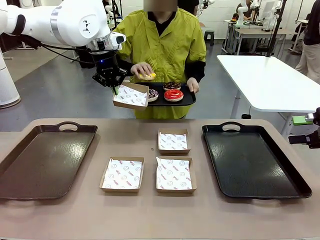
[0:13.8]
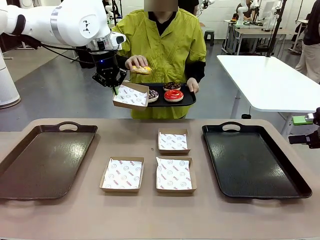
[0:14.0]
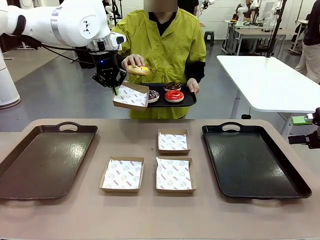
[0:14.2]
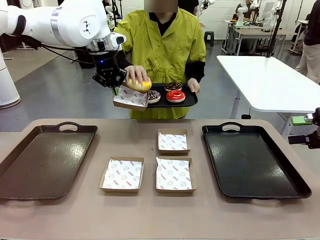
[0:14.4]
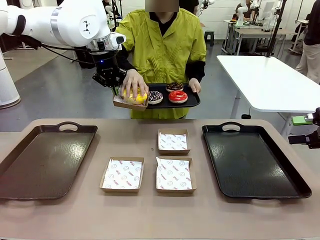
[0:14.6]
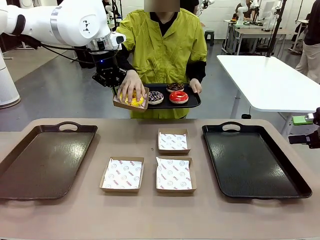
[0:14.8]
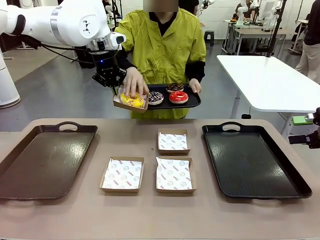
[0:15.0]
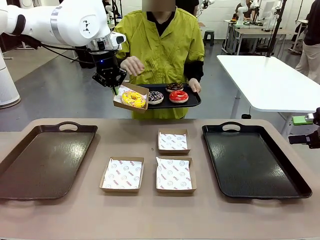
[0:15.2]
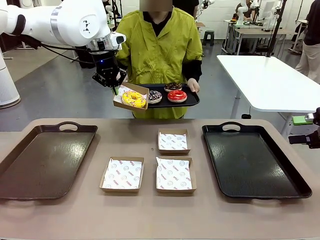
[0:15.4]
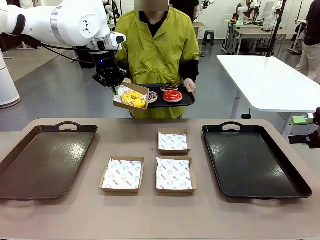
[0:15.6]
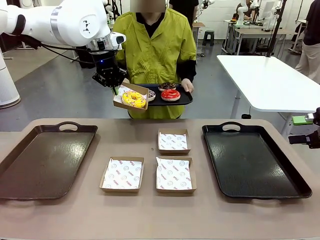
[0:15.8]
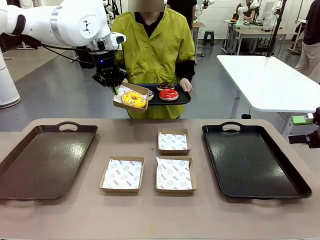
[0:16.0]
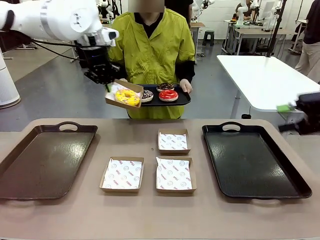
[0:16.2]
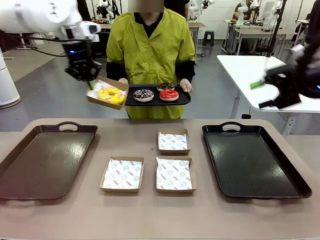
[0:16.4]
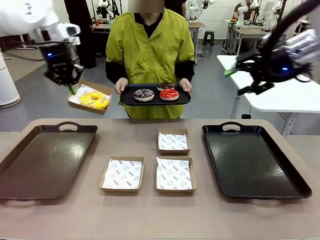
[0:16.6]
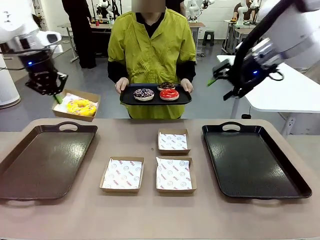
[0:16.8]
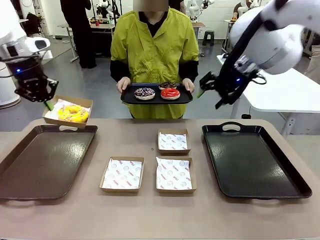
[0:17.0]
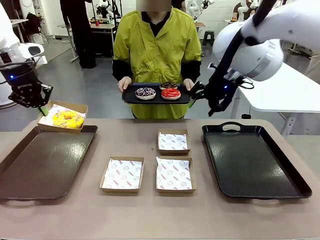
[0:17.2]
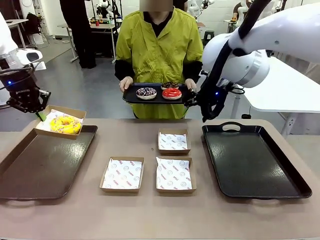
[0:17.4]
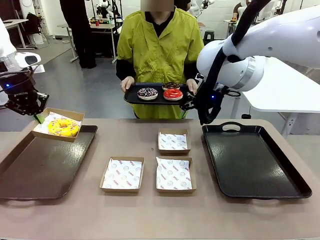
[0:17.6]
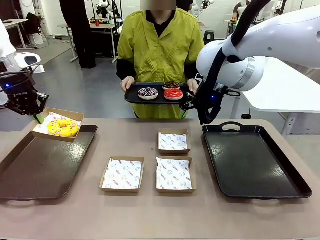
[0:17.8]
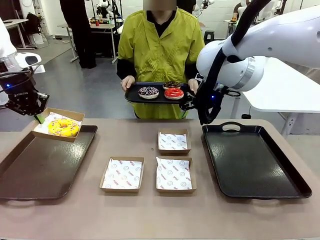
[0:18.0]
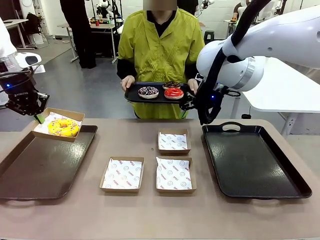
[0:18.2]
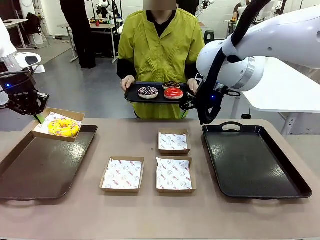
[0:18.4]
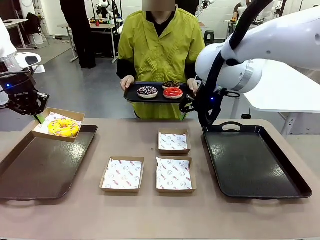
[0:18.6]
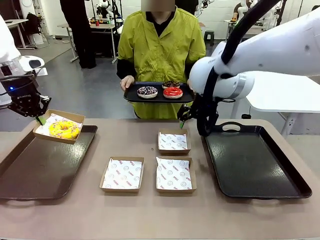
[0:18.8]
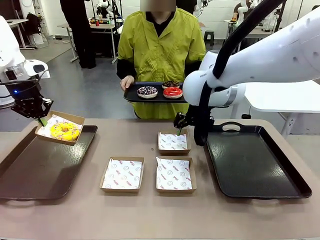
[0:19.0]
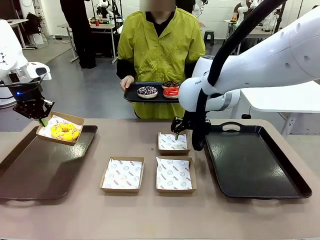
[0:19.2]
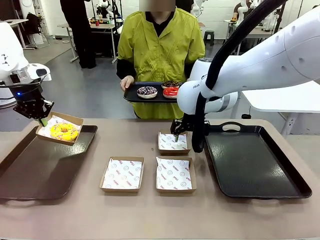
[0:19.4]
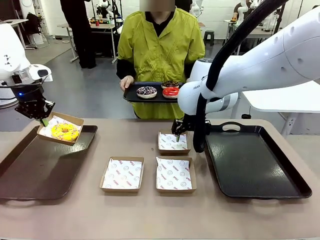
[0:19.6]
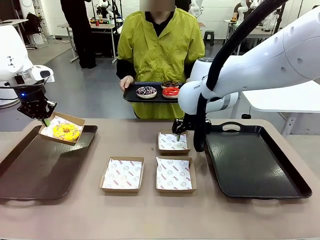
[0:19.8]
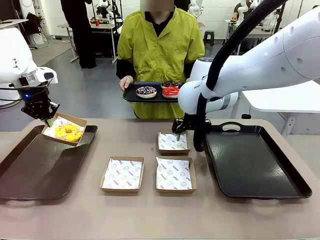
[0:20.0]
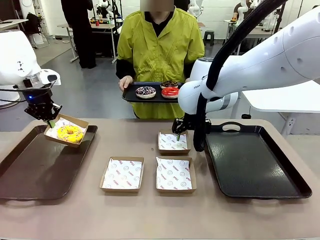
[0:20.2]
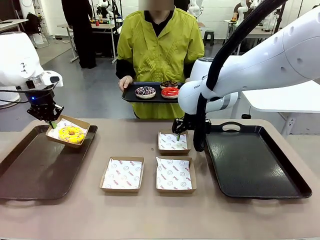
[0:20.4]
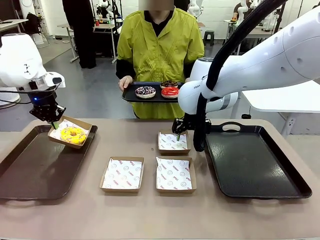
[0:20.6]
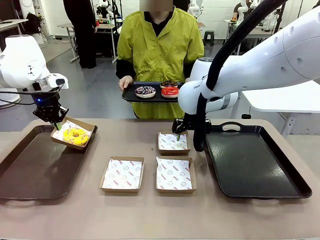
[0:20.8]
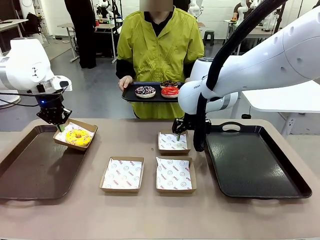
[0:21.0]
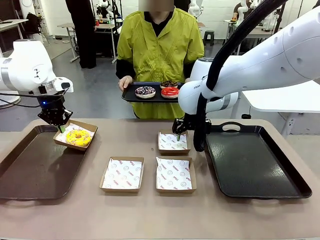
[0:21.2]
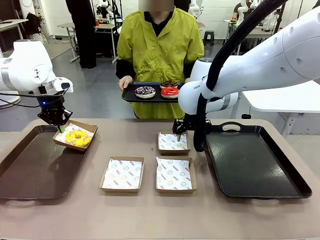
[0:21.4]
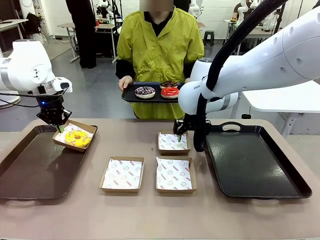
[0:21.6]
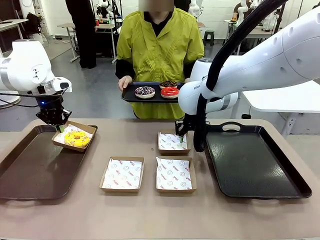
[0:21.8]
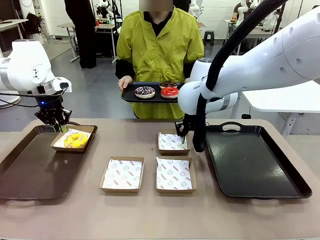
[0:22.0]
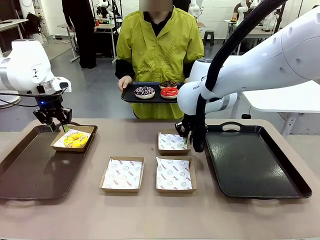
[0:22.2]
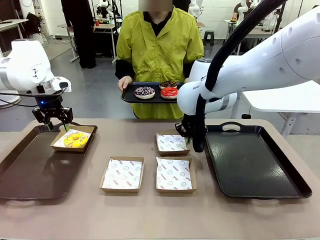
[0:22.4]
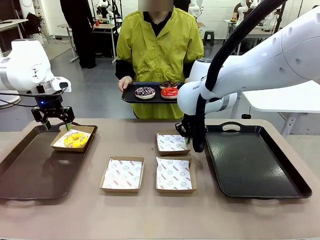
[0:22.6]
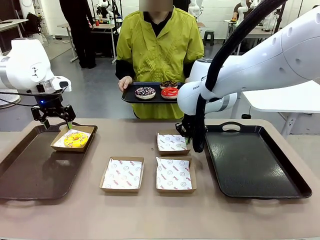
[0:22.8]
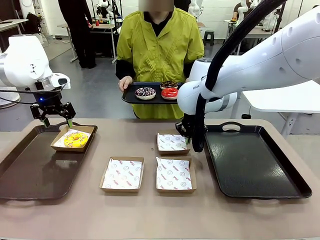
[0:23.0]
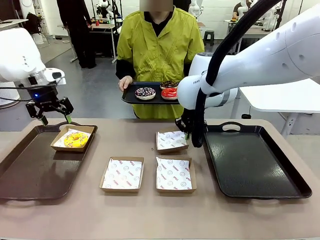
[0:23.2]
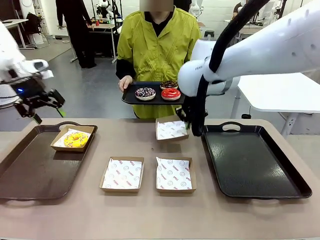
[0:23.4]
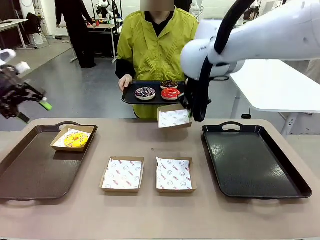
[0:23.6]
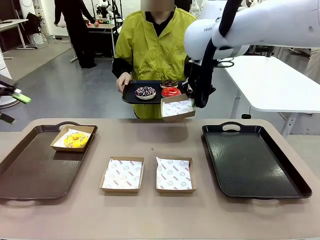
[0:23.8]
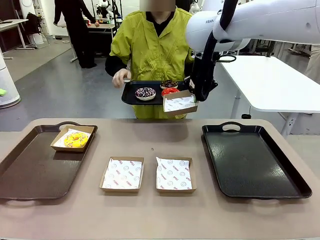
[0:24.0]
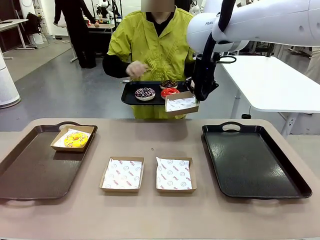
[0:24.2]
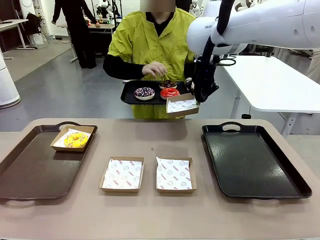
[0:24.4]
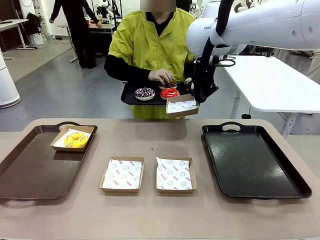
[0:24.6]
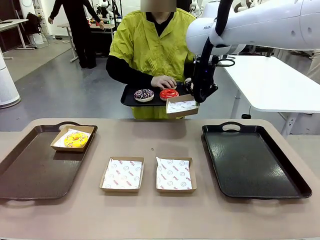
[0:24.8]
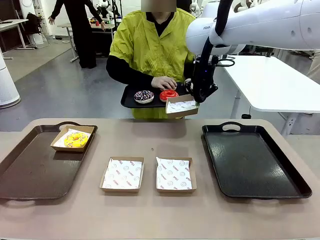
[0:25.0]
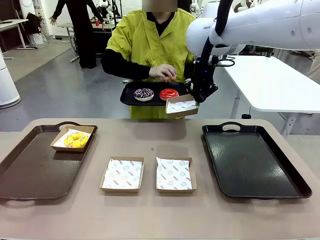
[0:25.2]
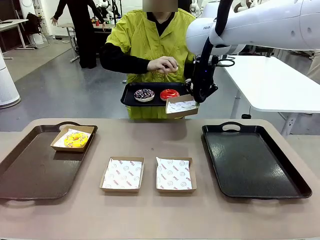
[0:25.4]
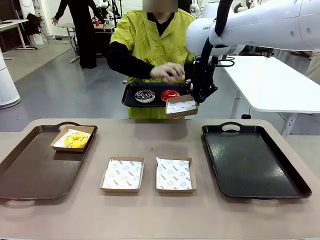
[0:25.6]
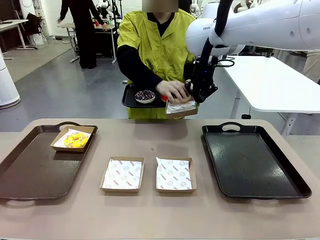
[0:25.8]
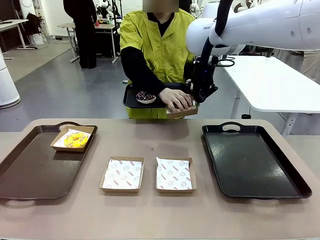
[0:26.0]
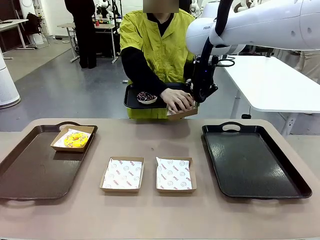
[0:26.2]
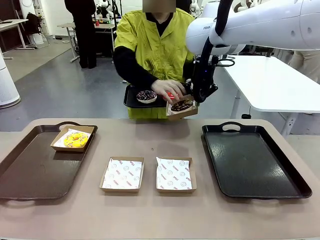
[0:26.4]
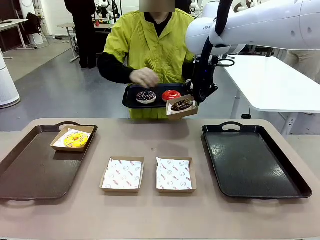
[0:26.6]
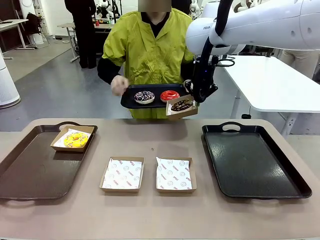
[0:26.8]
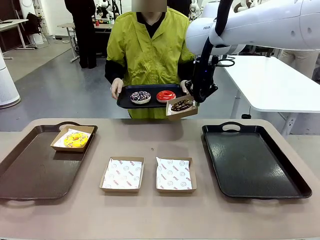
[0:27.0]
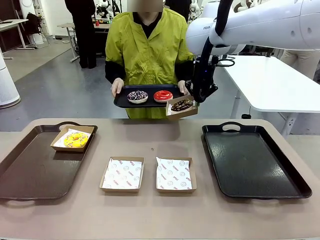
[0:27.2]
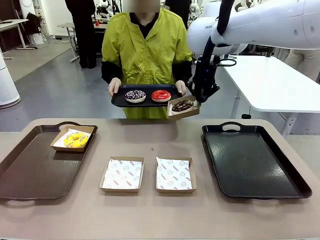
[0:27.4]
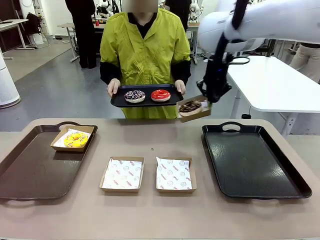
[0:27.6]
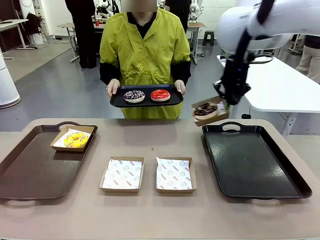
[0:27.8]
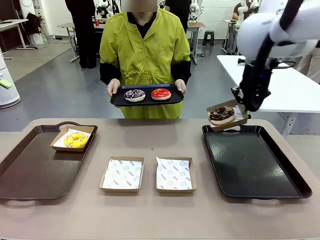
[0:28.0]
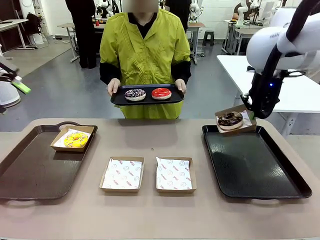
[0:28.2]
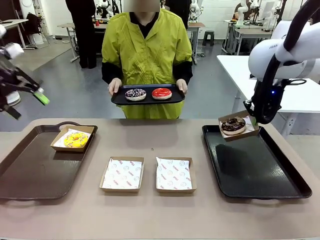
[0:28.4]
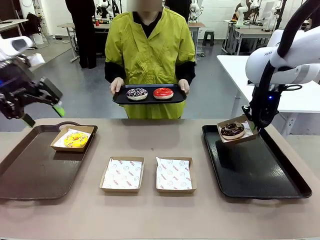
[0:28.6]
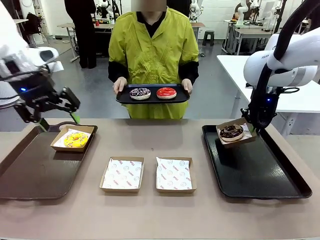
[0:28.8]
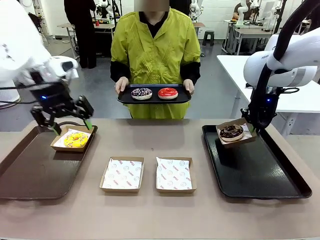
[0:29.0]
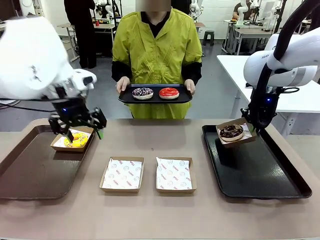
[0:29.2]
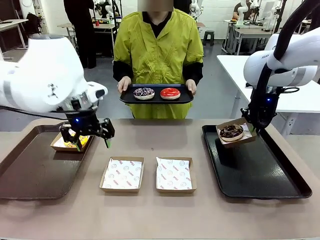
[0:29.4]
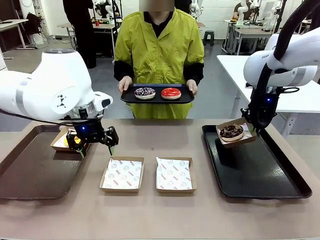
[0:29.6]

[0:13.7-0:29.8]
Task: Individually package the donuts and arrange them on the tray.
Robot: Place the picked Paper togo box on the Handle tray while simultaneously picking up another Paper togo box from the table with the other hand.

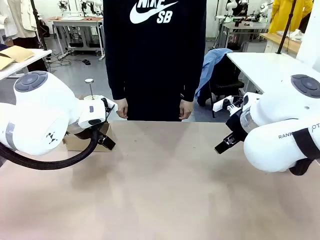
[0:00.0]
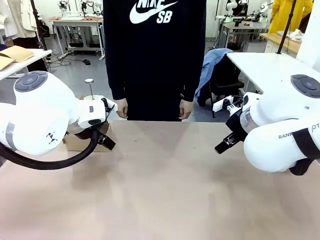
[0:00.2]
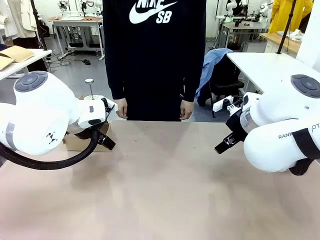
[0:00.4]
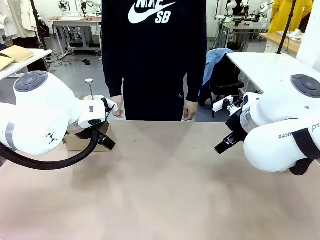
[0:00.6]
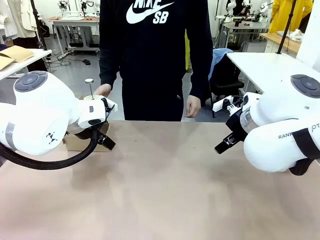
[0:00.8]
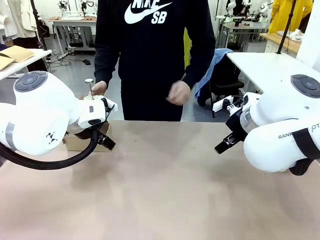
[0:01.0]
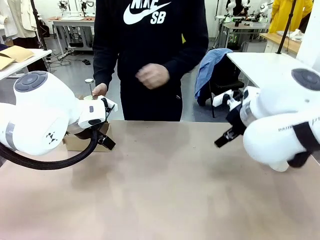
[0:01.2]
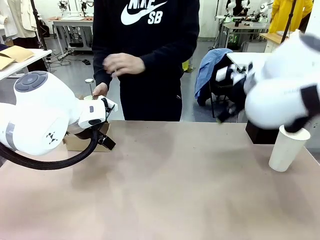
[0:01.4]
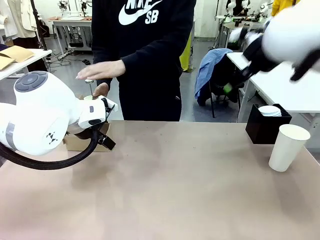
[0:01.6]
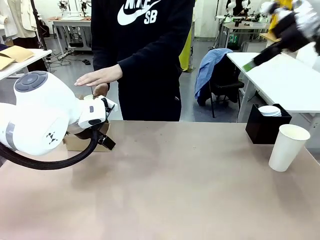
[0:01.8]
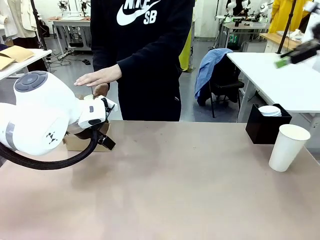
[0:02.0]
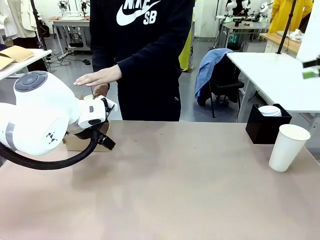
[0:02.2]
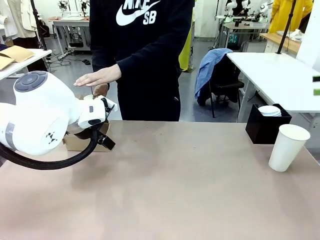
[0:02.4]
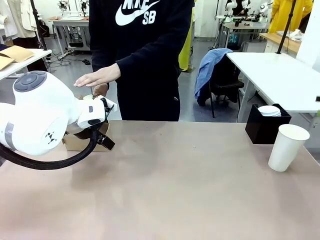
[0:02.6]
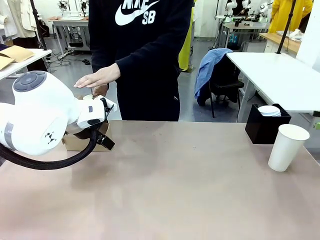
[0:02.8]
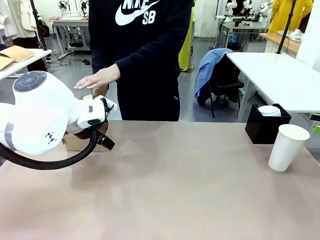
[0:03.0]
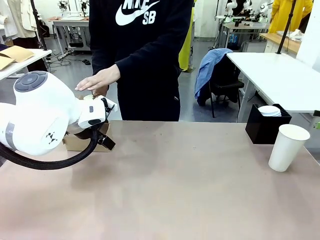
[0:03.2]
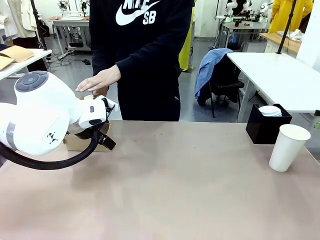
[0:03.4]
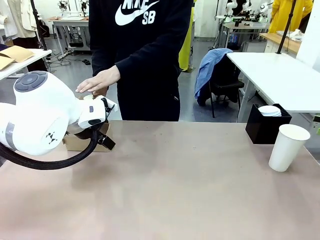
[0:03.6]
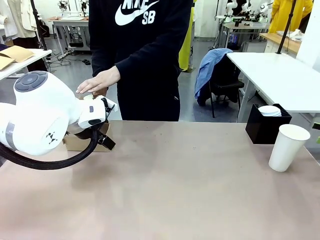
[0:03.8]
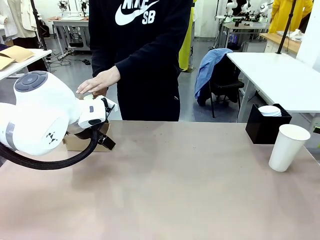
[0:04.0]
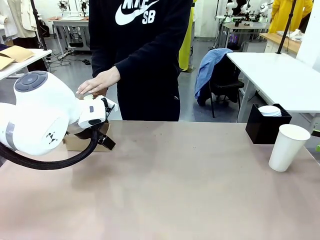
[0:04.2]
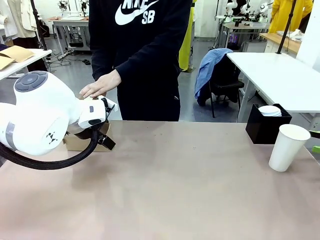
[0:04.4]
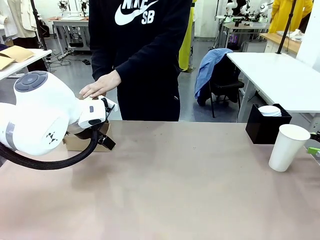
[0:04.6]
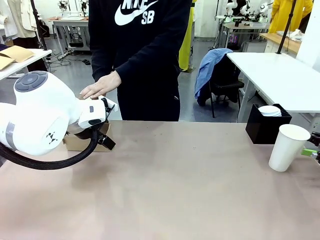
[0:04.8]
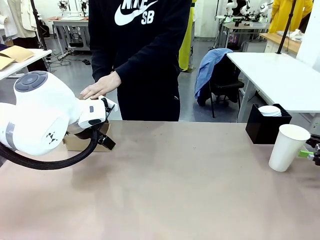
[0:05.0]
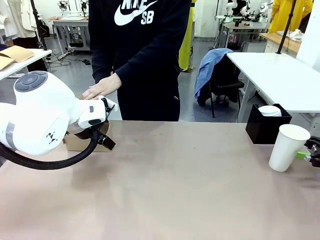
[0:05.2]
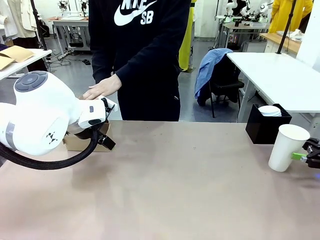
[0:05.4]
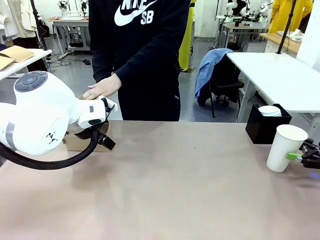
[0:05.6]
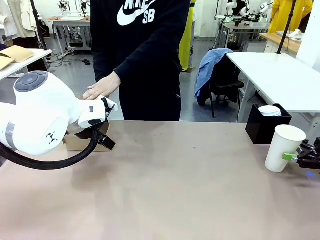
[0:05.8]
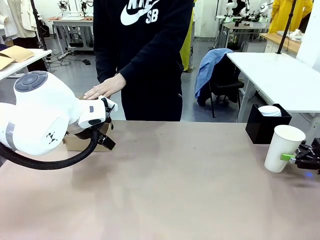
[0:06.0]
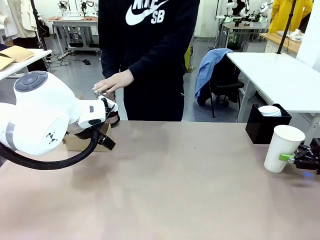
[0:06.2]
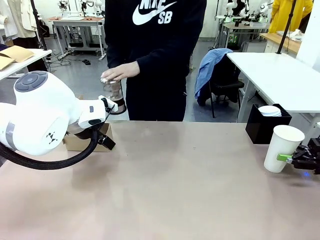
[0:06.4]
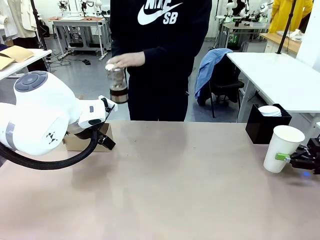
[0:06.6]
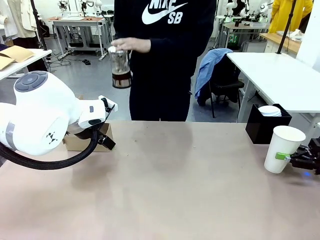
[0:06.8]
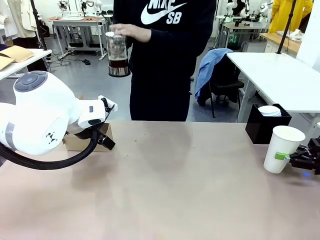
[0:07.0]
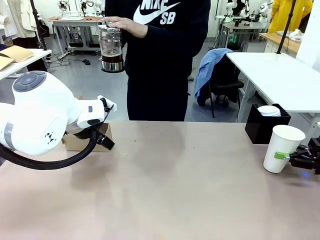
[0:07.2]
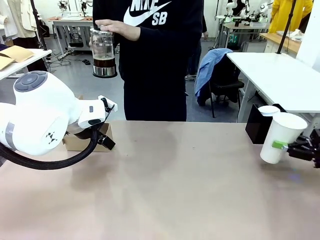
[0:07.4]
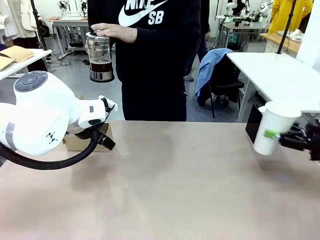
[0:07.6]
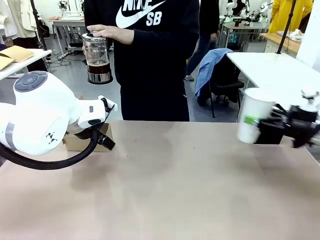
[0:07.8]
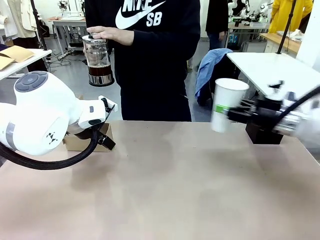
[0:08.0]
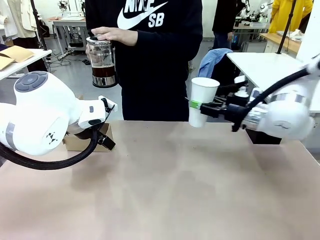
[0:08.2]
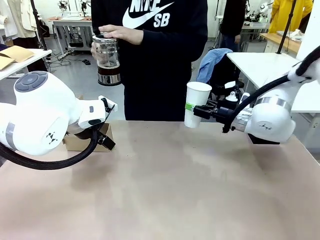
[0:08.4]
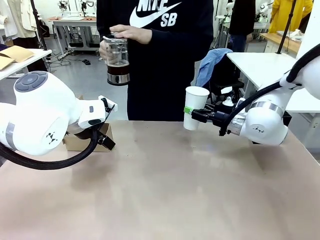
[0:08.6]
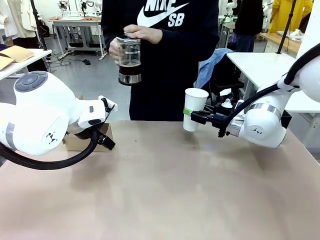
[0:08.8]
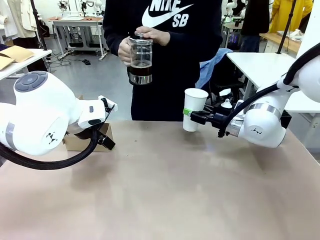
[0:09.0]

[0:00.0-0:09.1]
Task: Pour a drink into a cup and package it in a carrier.
Robot: Pick up the 600 ml Paper Cup and place it in the middle top area of the table.
Person: Press and pick up the Filter Brewing.
